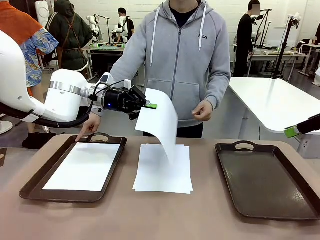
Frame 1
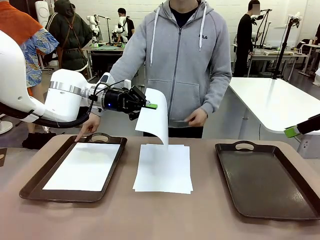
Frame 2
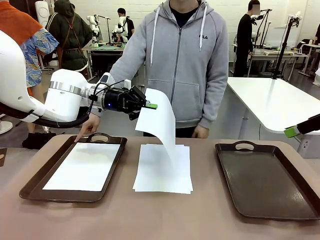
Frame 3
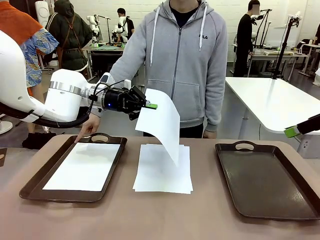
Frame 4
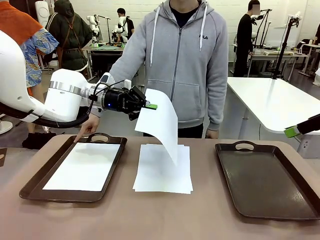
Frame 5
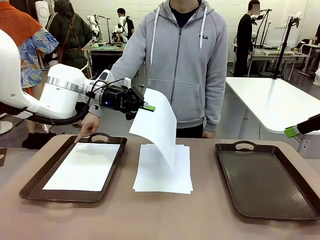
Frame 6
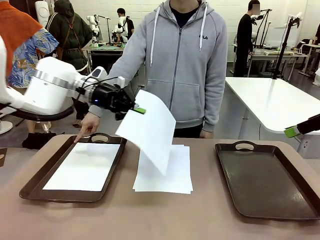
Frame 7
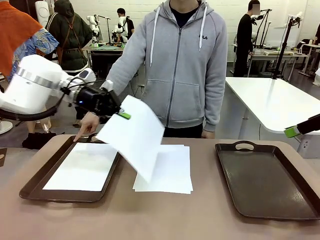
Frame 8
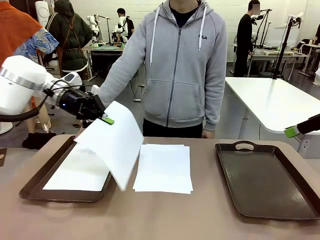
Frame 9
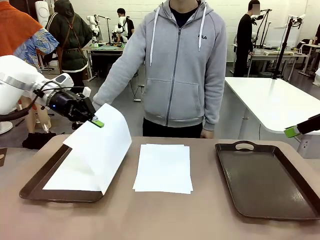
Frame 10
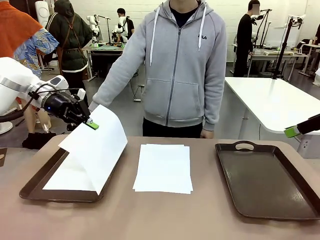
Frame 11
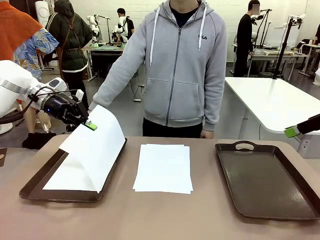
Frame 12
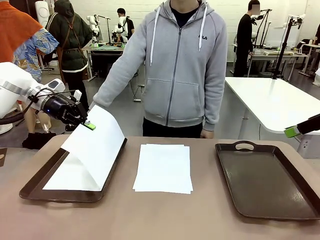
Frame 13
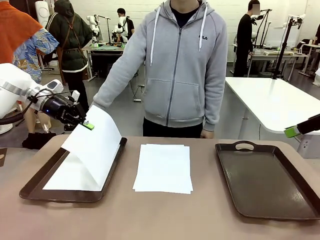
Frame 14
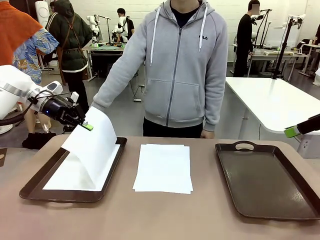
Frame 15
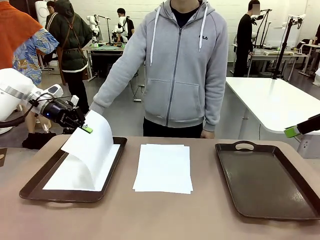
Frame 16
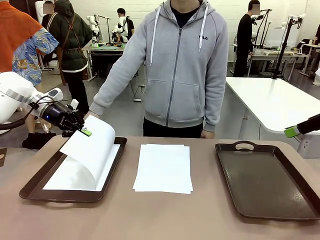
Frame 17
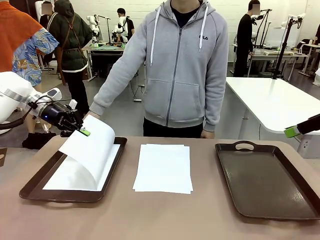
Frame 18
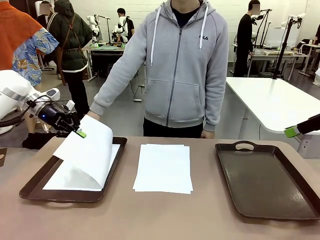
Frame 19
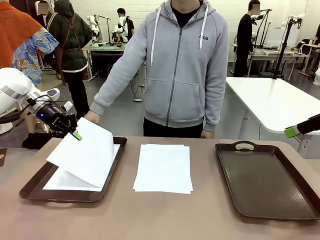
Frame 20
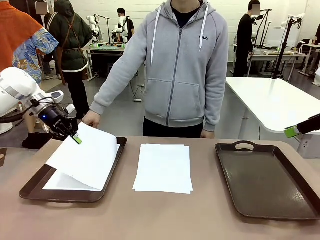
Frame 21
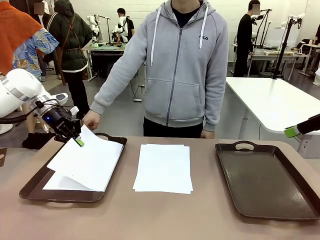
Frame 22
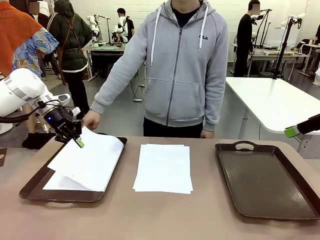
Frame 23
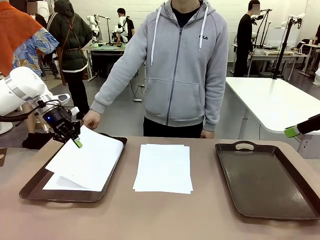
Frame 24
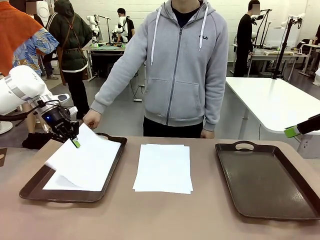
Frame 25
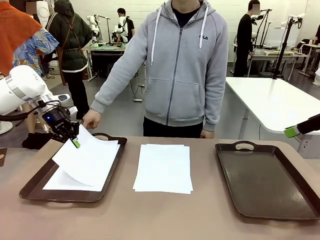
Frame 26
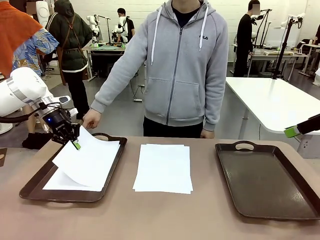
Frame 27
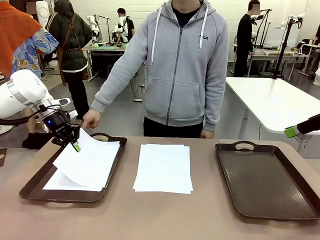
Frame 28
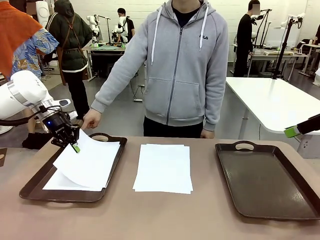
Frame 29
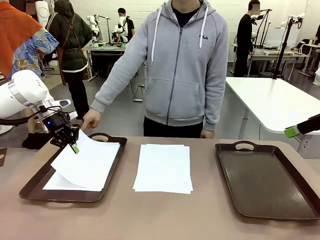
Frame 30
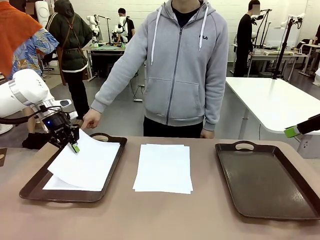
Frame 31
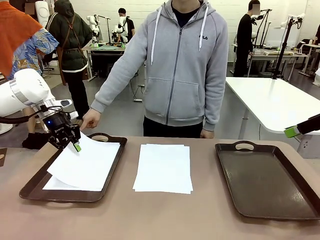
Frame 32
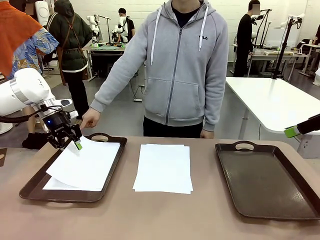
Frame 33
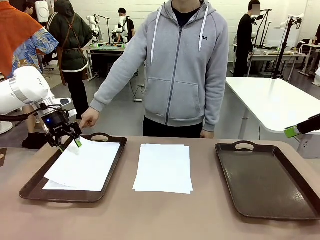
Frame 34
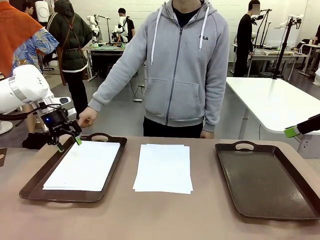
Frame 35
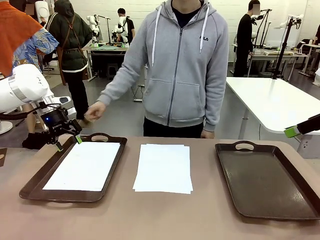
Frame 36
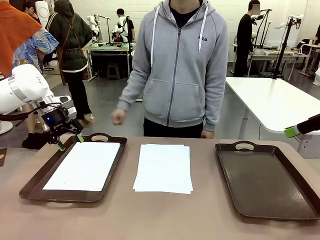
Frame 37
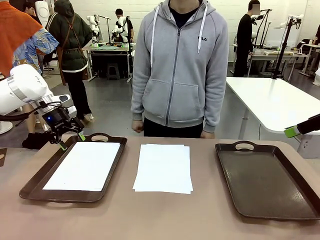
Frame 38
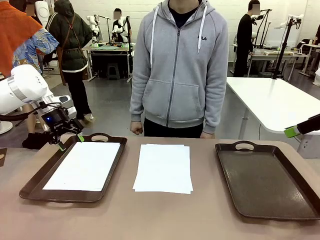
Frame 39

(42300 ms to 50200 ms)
Task: Sort the A4 documents.
Robot: Place the A4 Paper in the designated Handle tray.

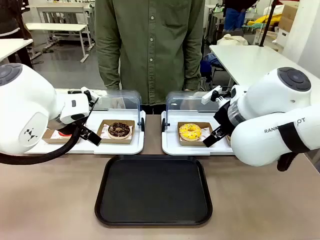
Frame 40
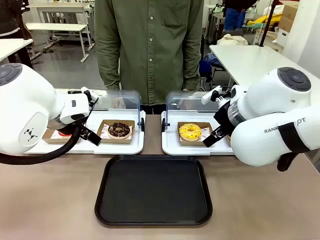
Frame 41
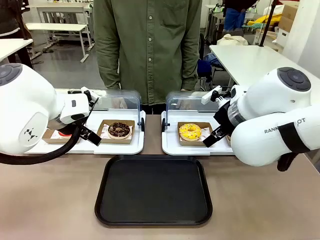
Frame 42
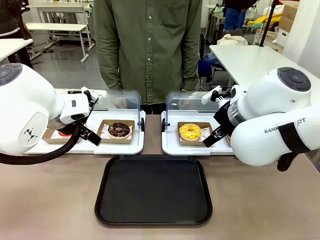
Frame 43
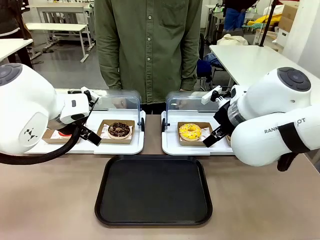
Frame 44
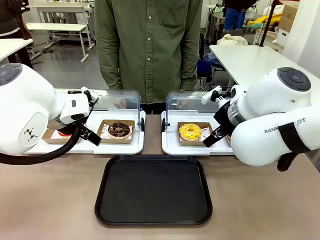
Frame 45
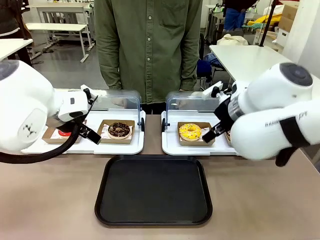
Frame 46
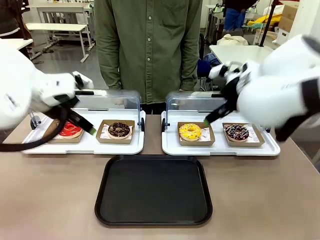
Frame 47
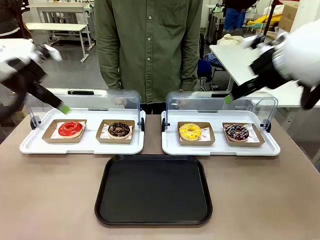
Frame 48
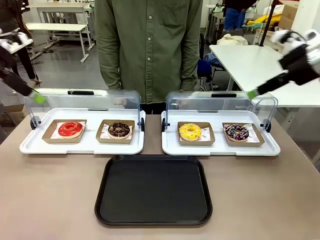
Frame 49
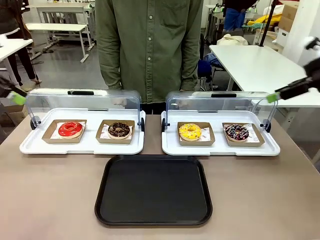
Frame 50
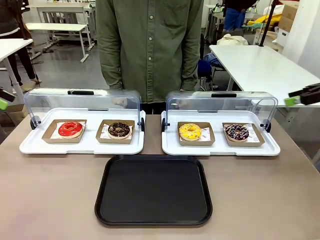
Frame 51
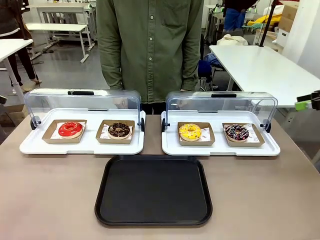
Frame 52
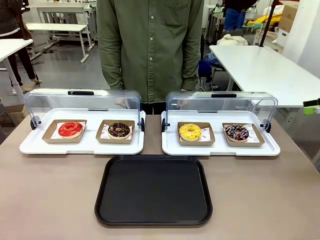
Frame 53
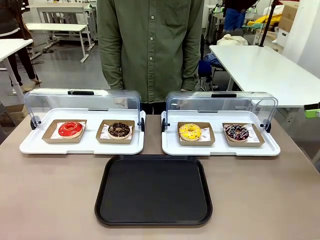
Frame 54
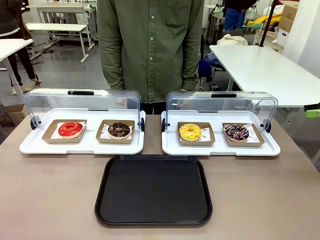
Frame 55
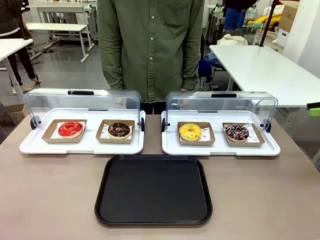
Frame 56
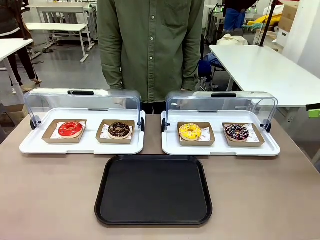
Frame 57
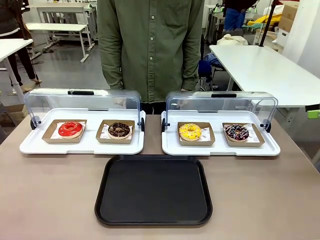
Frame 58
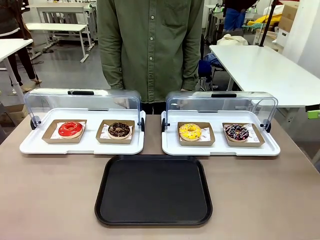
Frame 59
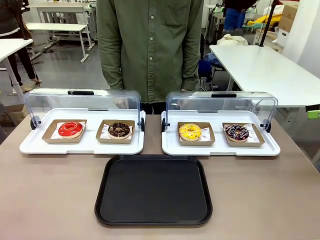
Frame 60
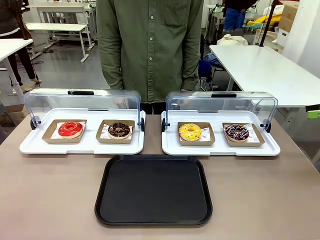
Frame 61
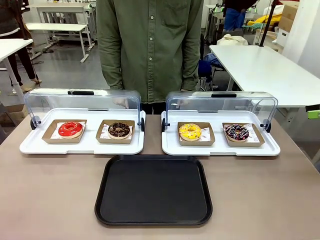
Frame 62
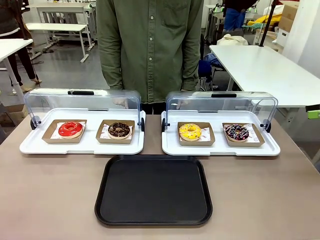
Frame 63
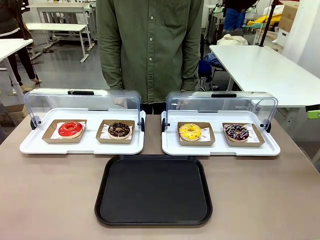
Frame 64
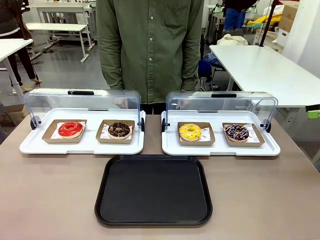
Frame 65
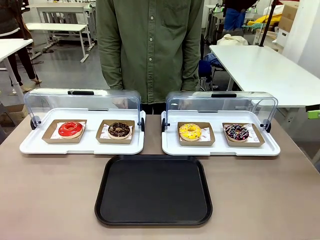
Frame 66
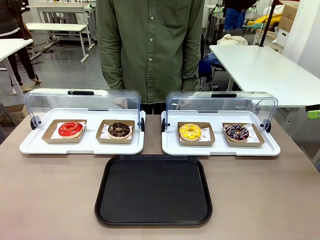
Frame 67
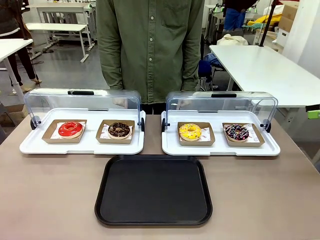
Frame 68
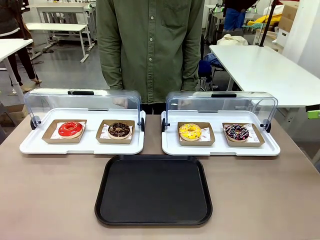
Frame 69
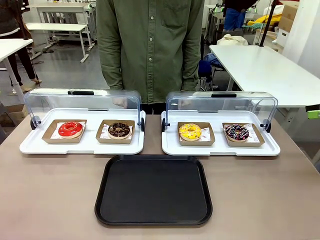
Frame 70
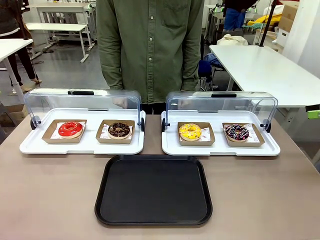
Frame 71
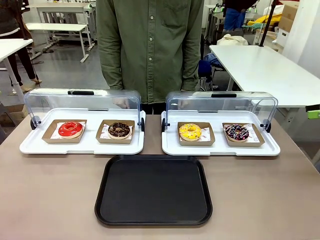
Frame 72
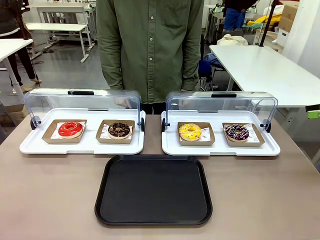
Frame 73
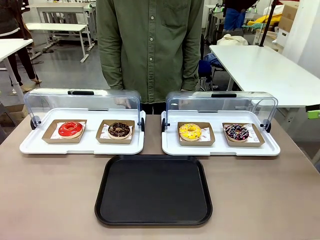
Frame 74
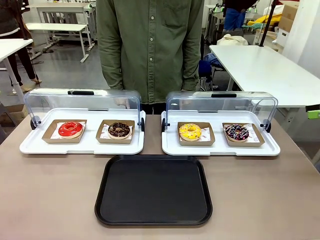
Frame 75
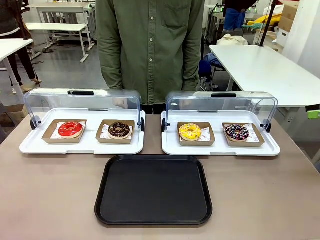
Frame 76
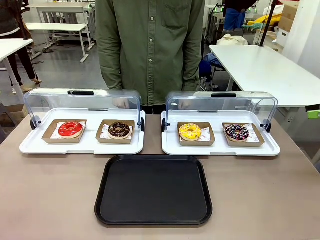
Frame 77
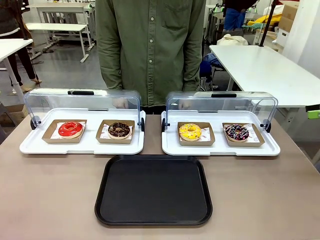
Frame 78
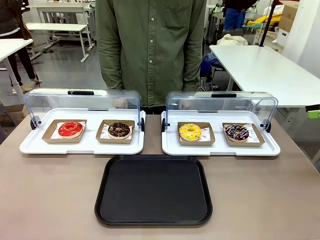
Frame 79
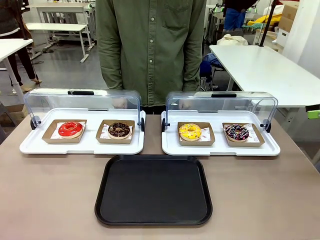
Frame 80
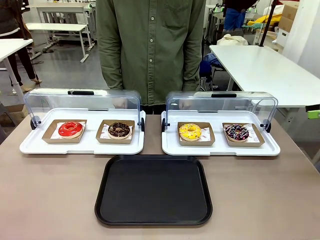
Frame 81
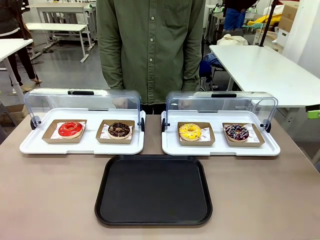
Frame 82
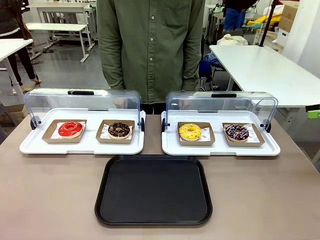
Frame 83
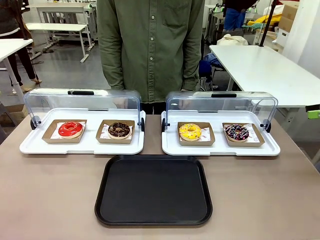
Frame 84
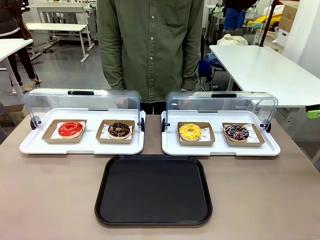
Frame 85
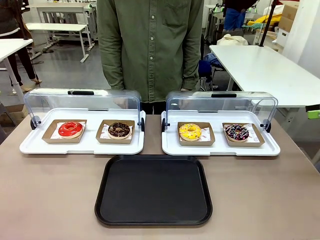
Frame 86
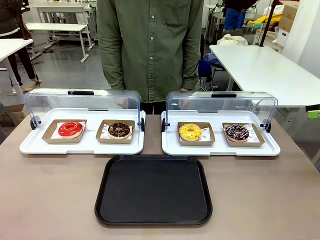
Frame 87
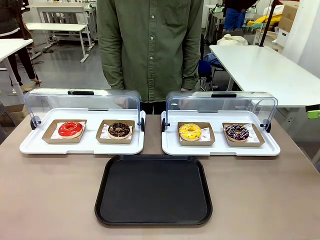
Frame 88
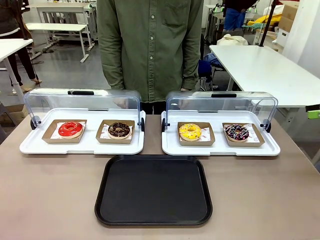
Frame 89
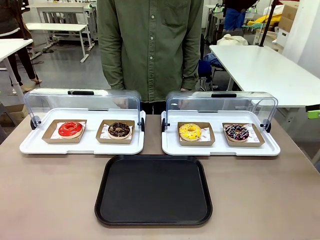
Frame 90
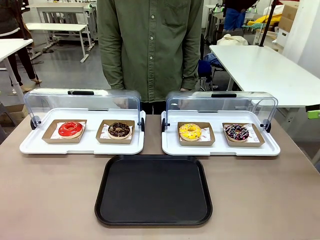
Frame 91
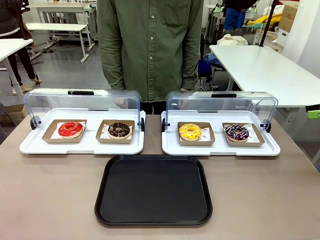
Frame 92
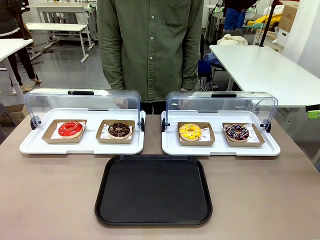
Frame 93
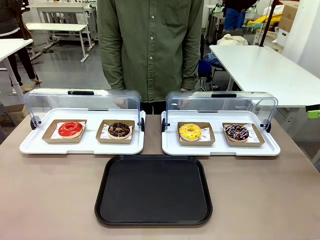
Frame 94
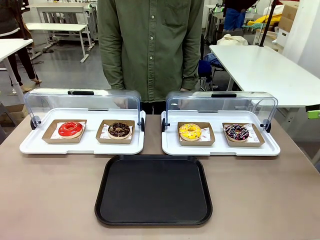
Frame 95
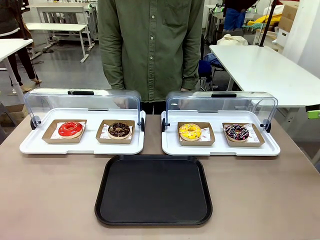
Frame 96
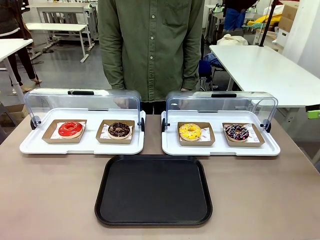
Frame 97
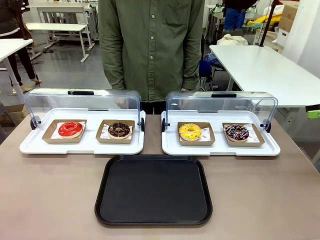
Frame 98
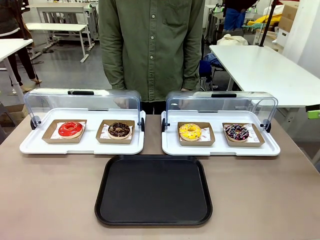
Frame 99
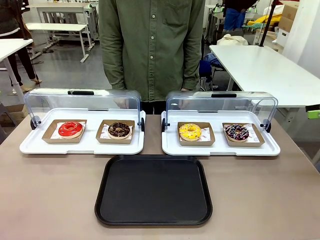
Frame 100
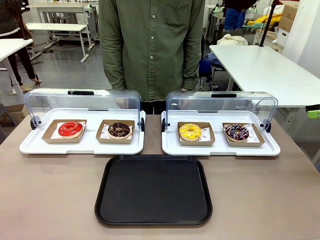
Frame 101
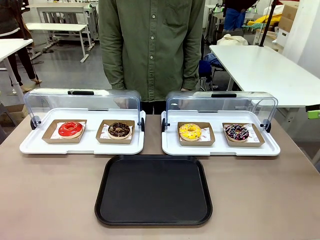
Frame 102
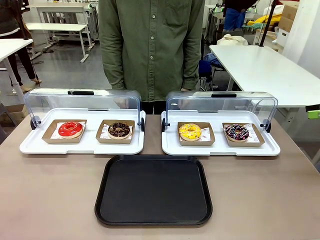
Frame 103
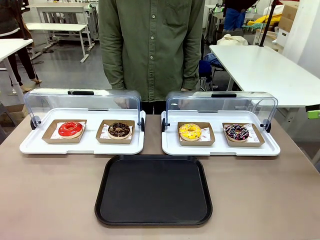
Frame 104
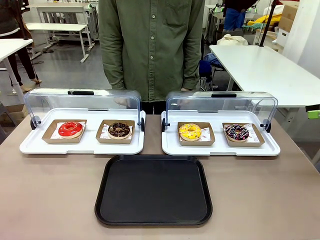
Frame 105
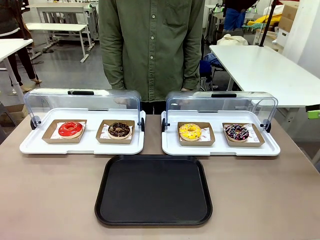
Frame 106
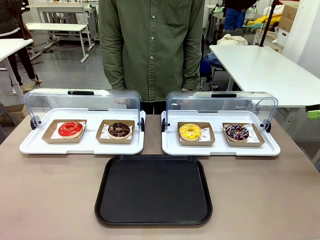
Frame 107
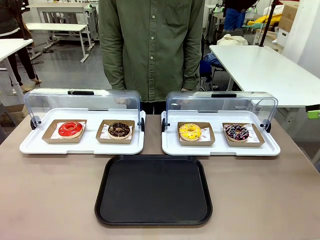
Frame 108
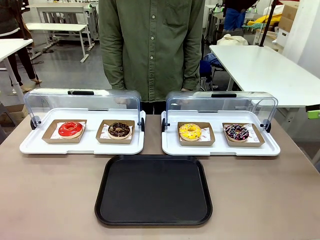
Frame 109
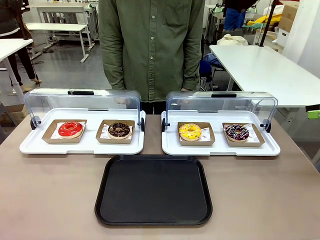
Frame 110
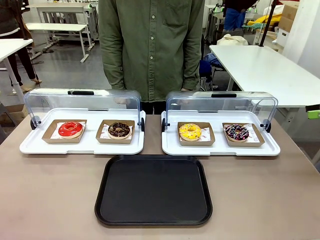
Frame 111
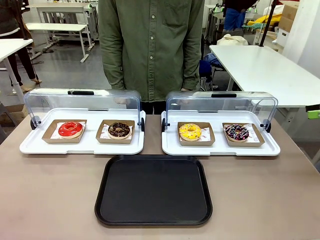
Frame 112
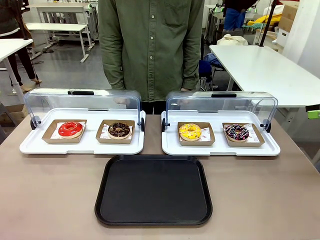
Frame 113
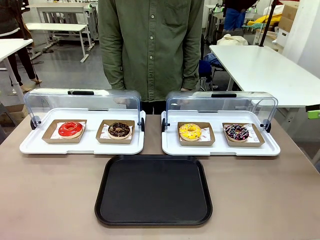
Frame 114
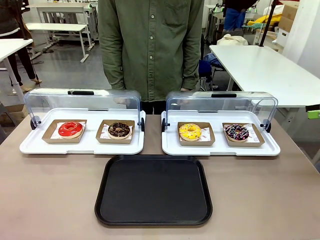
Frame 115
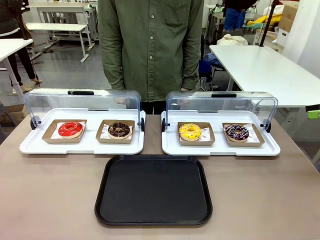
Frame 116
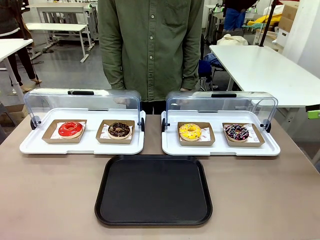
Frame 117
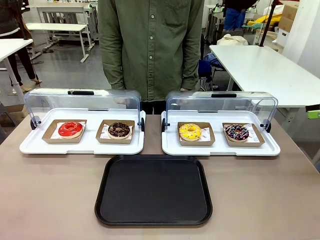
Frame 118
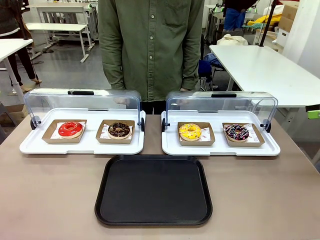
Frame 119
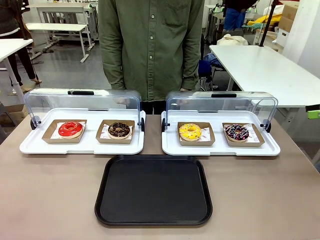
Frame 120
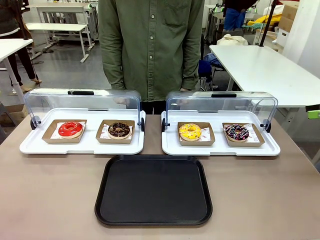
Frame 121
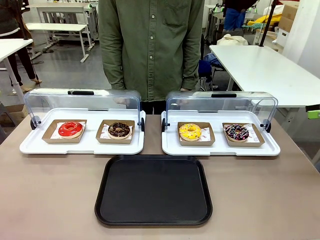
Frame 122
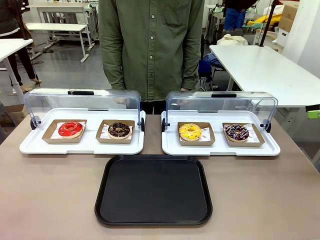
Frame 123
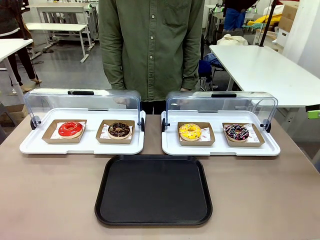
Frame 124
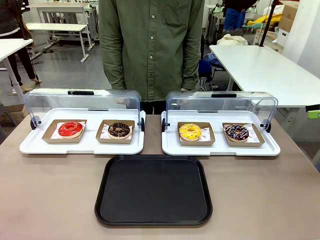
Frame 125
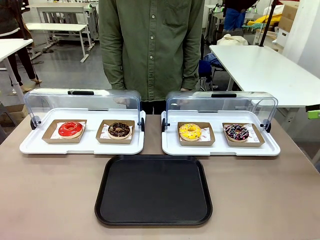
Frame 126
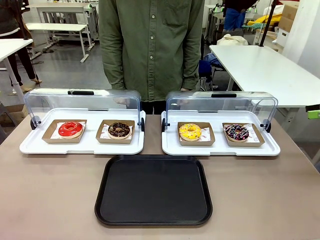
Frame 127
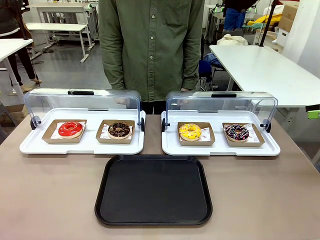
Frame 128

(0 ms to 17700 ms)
Task: Move the third donut from the left to the tray.
Robot: Pick up the Paper togo box containing the Donut indicated by the person and place it on the Handle tray.
